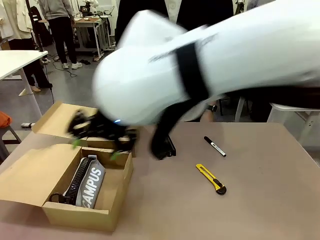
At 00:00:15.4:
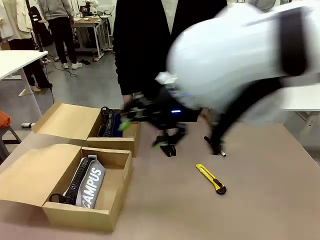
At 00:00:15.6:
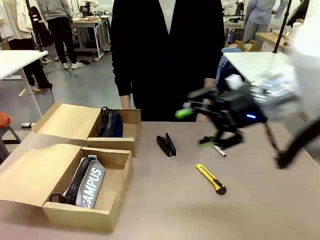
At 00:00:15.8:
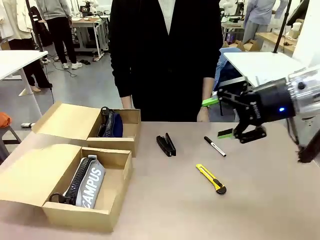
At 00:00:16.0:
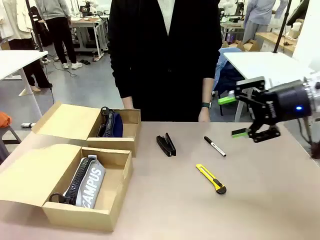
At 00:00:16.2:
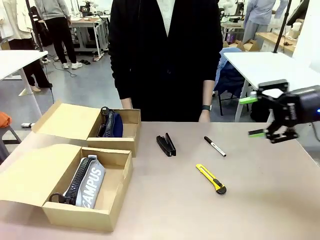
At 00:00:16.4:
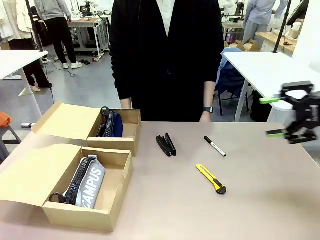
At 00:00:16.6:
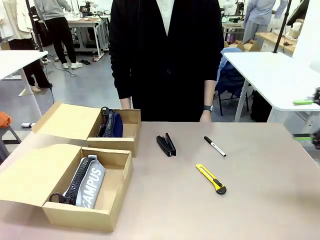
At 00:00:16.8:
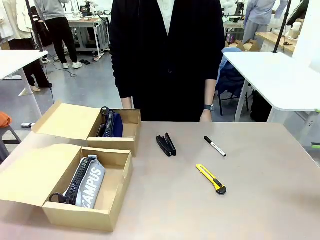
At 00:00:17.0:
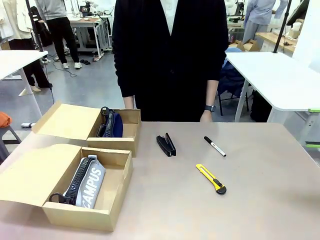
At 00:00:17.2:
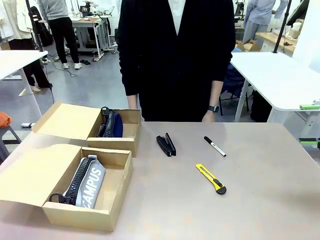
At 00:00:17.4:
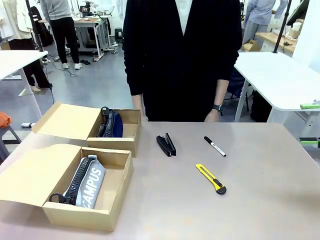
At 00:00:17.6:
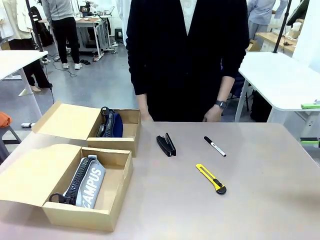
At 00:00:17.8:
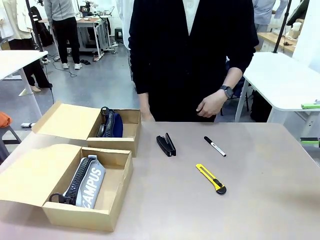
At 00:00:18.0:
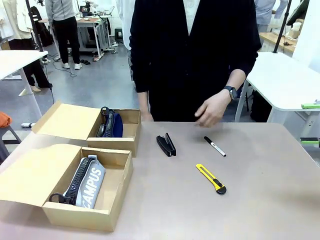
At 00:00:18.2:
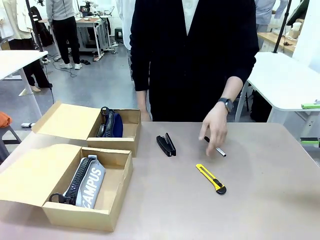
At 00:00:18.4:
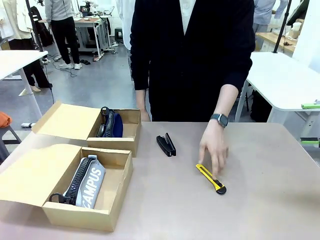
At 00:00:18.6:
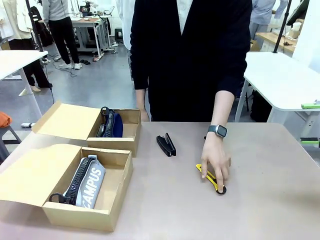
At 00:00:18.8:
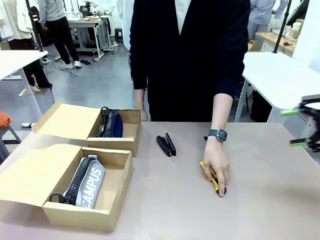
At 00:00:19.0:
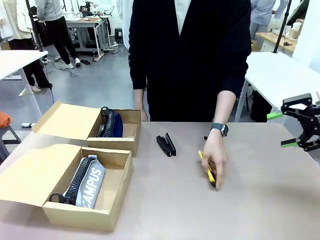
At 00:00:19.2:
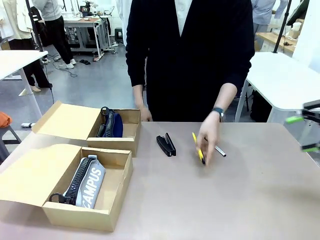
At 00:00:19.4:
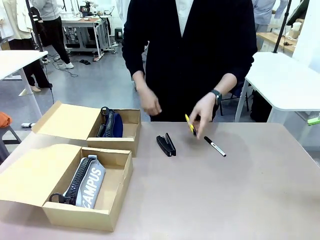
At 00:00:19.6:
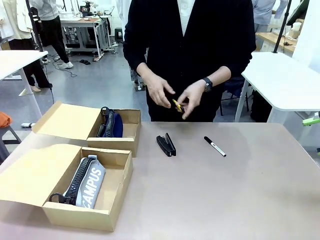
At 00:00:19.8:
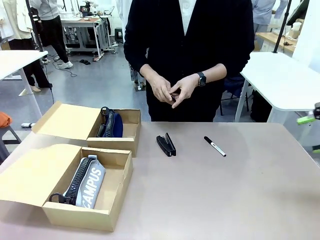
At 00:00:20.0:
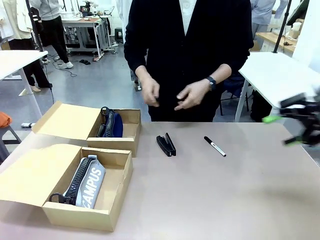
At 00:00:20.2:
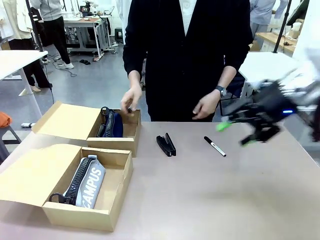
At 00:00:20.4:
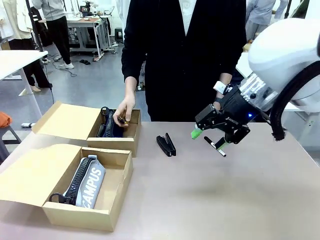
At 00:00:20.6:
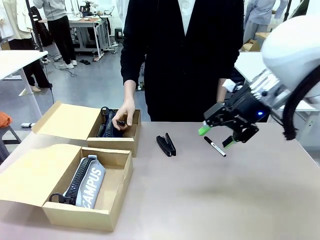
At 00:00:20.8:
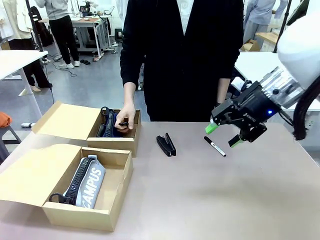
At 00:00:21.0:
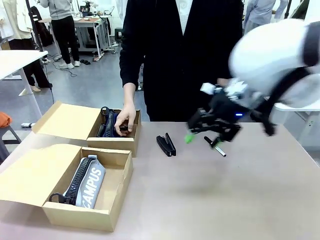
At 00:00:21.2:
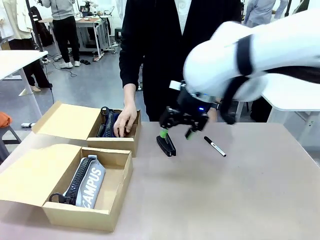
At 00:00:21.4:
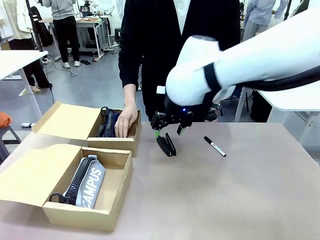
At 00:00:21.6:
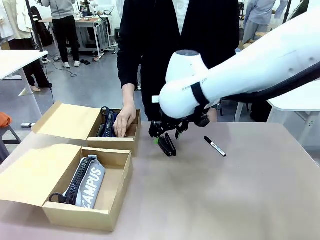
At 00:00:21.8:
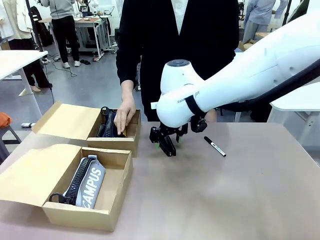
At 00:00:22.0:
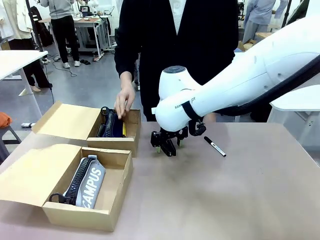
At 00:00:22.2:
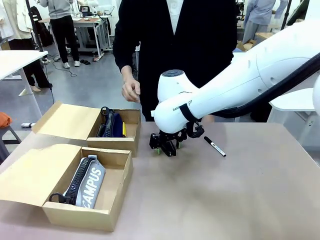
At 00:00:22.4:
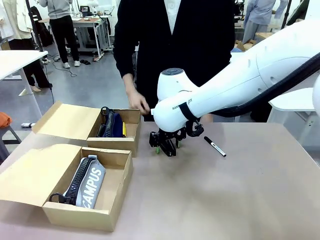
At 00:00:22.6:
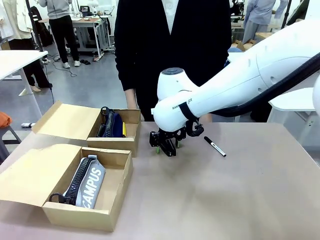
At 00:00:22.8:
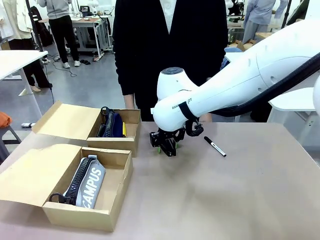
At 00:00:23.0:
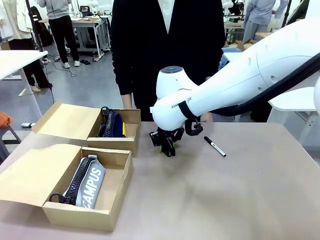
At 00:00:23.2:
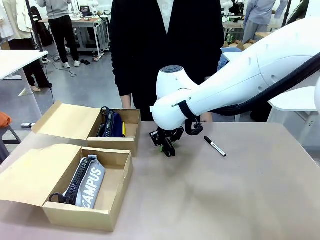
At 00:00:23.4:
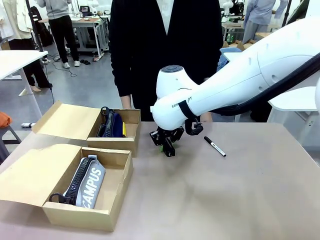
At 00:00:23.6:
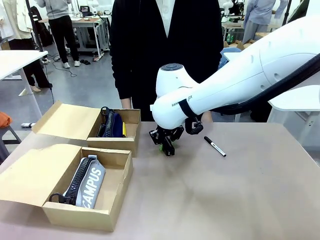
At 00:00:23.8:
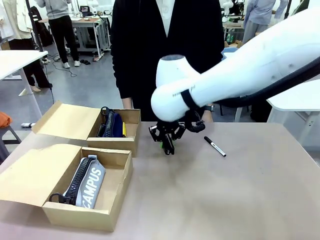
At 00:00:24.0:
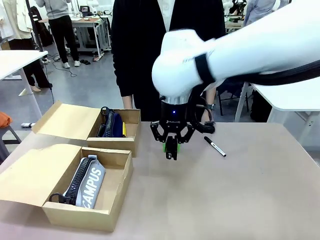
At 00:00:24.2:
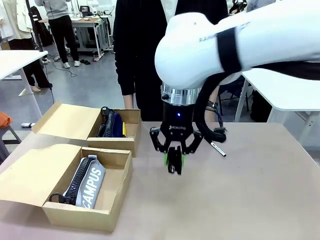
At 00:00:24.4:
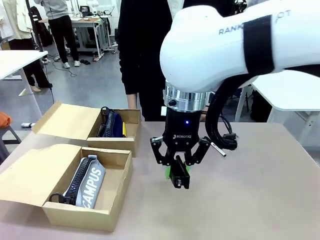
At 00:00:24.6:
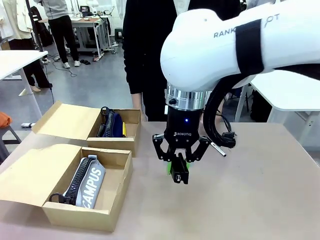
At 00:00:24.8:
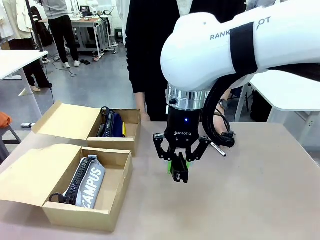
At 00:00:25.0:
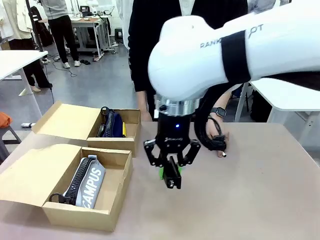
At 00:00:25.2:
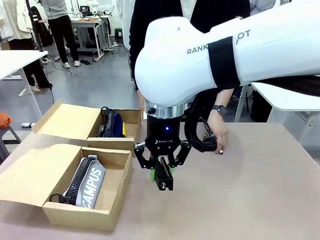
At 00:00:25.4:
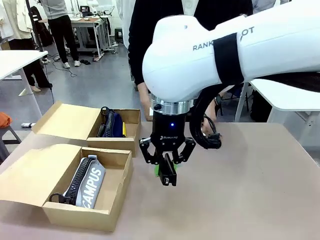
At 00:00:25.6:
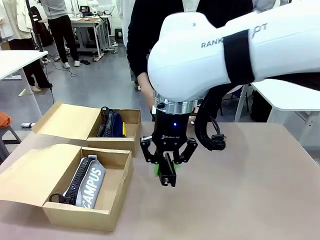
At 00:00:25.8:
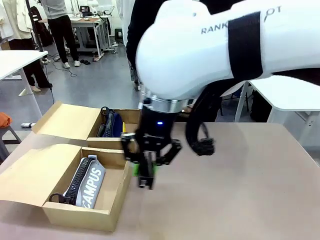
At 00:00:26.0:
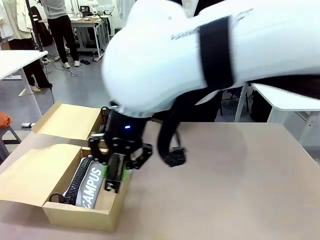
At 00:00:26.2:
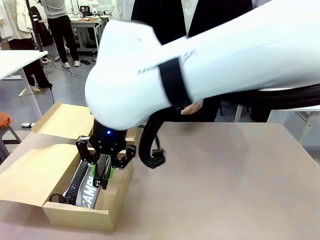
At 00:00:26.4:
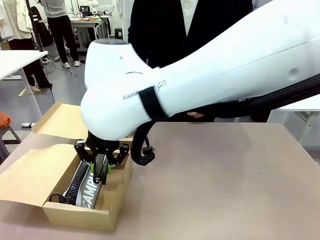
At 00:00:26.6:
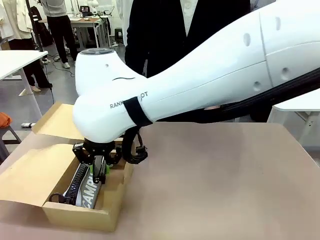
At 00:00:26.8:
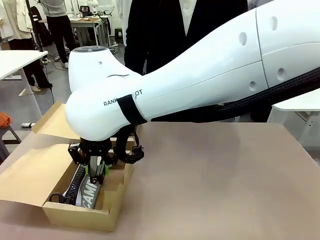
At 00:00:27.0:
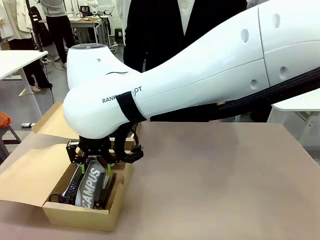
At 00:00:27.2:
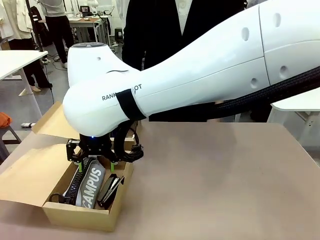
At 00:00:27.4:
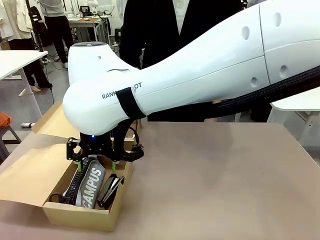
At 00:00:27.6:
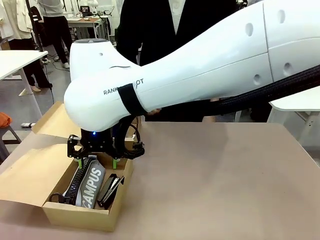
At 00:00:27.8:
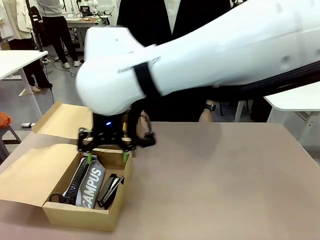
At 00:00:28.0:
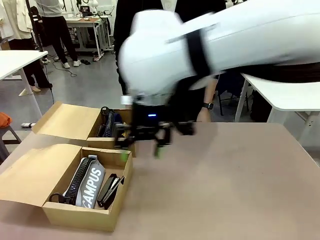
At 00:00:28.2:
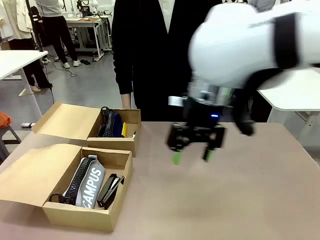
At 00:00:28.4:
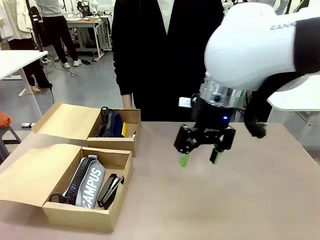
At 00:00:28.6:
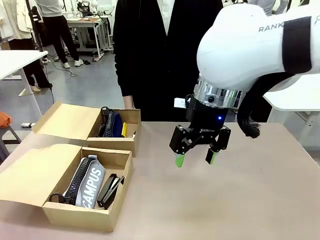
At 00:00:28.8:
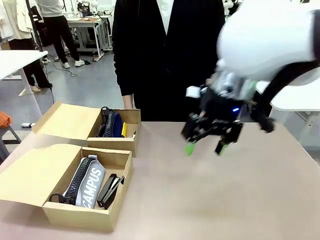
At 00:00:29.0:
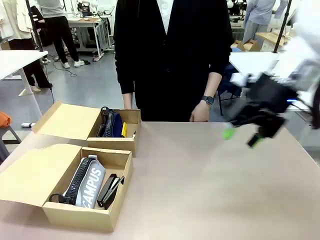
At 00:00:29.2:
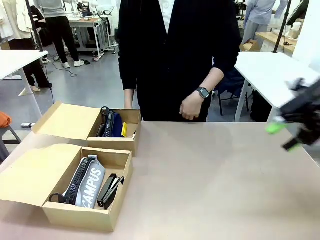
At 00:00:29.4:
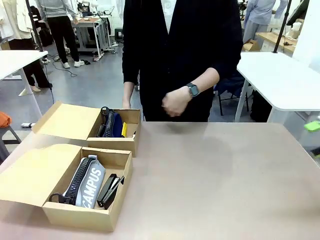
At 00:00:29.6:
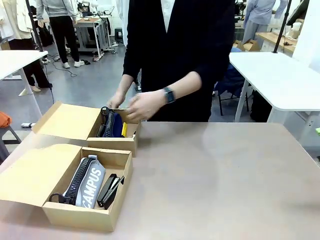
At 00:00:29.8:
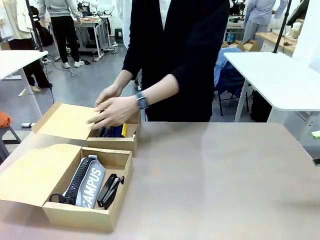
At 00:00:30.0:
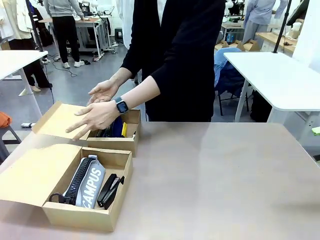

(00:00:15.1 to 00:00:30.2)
Task: Place items inside the box.
Robot: Pick up a Pencil pouch or Stapler and place it inside the Mailer Box closest to the robot.

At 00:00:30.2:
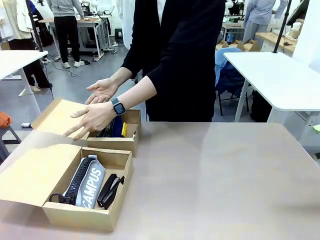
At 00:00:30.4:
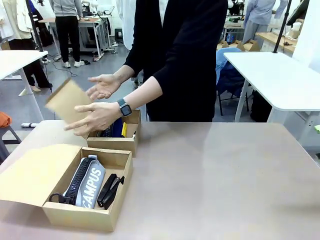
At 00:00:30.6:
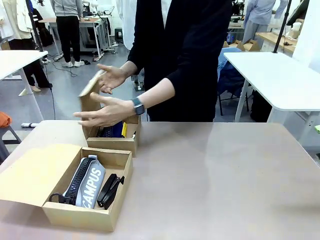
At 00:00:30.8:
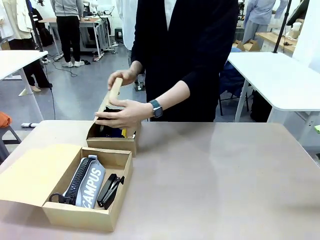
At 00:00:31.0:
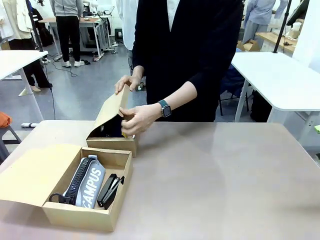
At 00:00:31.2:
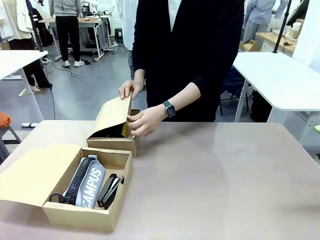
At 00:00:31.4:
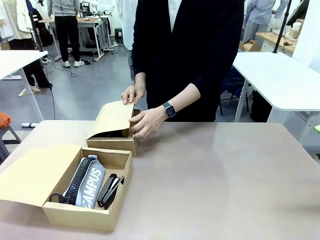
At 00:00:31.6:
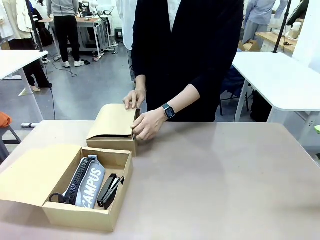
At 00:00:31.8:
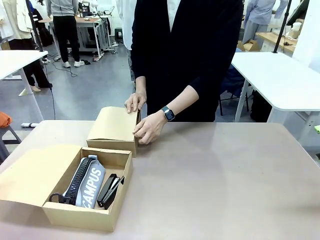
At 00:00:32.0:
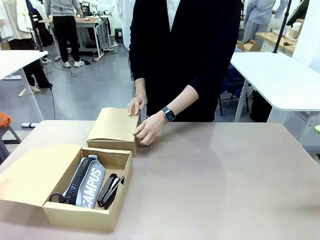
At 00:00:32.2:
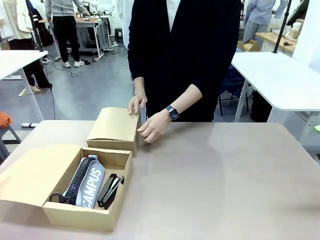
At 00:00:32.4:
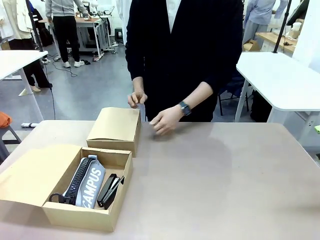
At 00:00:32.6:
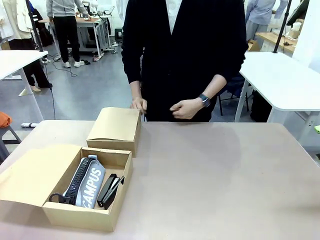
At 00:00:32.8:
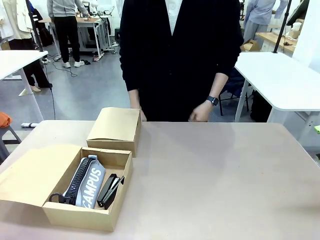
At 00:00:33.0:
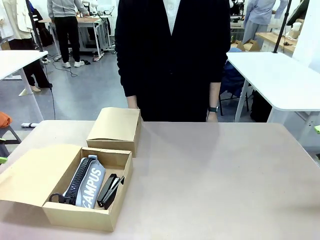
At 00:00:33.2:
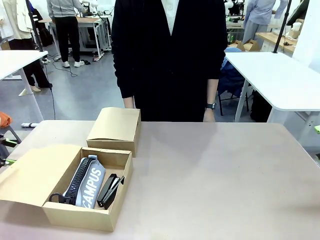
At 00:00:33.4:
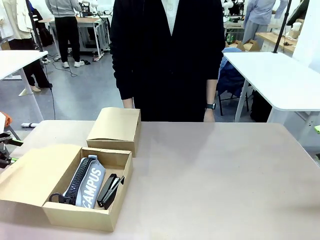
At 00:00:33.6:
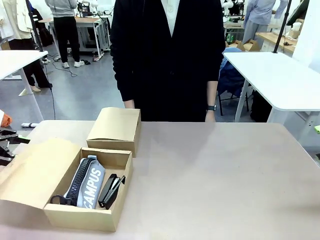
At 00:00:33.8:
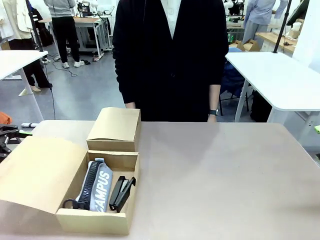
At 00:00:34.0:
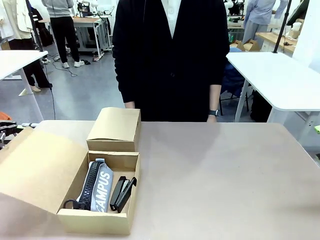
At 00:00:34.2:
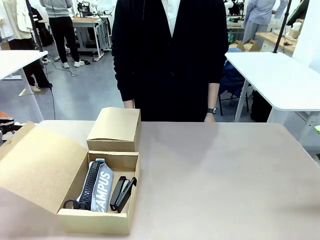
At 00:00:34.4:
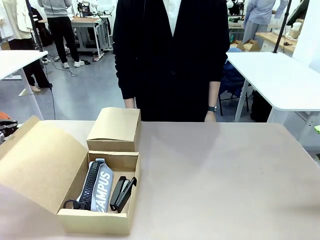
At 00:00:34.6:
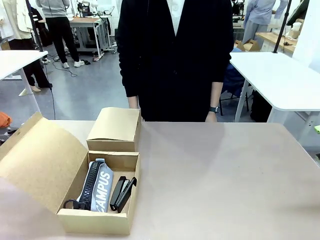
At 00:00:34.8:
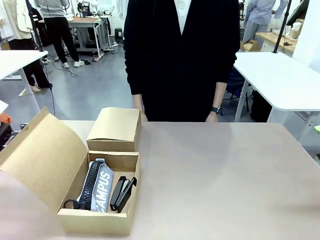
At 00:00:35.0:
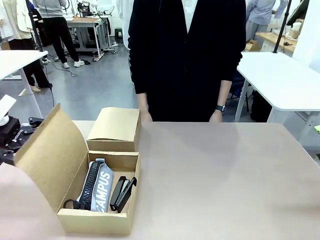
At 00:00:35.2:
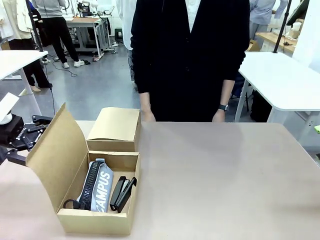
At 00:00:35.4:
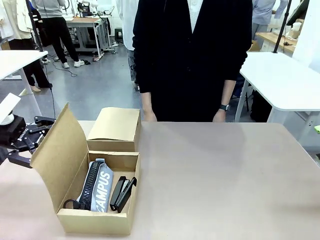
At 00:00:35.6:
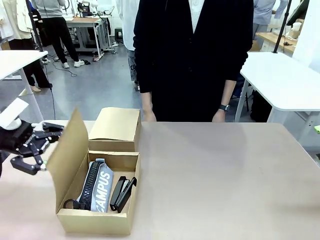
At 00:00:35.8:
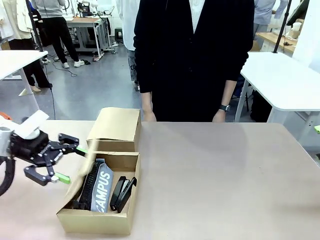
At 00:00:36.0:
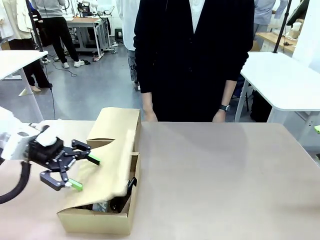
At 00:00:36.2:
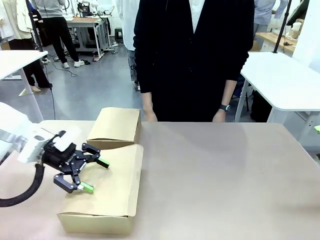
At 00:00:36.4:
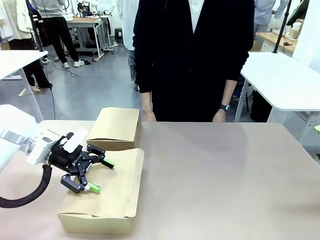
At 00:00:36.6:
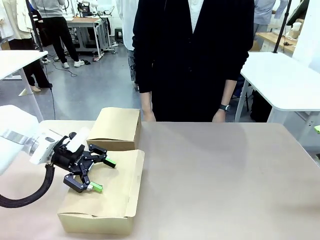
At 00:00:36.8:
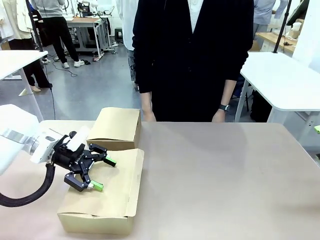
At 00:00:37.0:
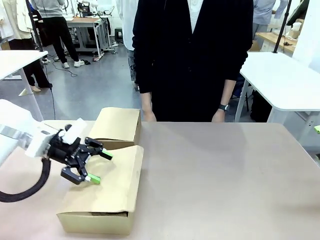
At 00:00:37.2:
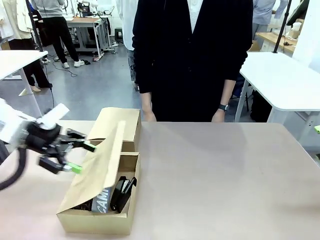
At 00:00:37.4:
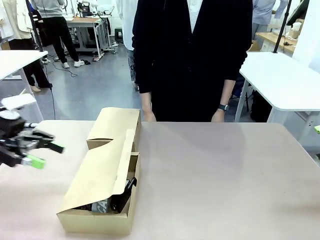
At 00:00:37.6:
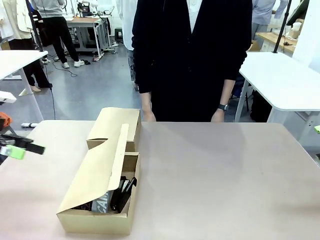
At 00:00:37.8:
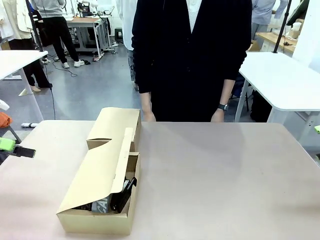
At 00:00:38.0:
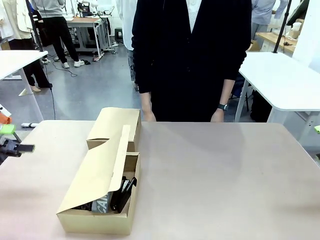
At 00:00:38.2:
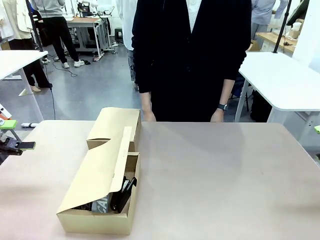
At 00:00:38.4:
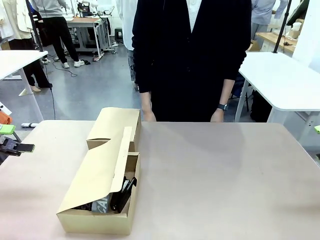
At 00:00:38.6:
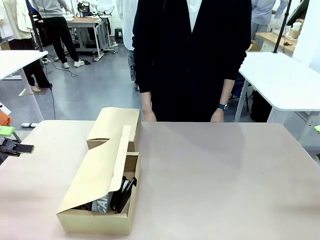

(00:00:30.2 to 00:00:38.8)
Robot: Close the lid of the Mailer Box closest to the robot.
Person: Close the lid of the box facing the person.
